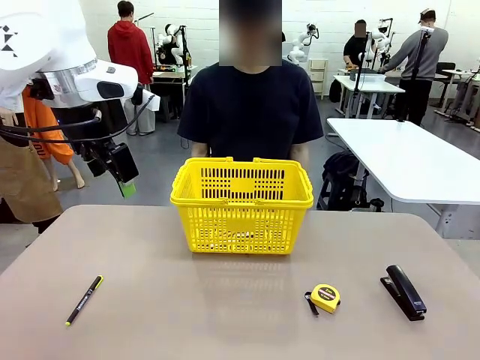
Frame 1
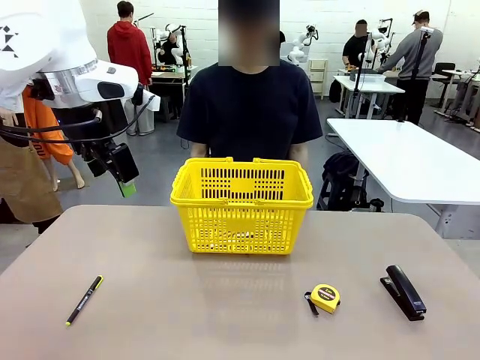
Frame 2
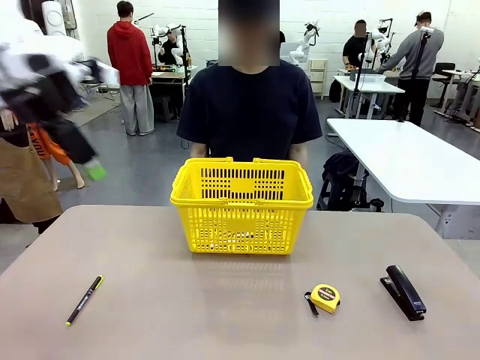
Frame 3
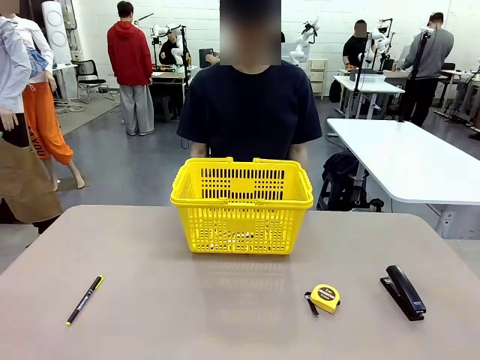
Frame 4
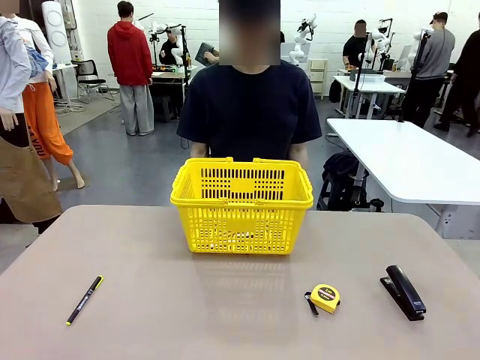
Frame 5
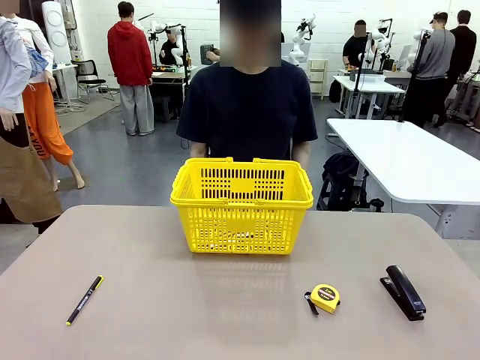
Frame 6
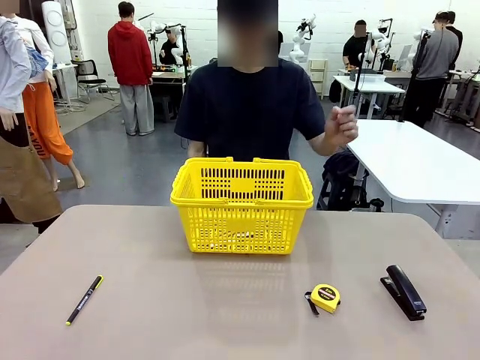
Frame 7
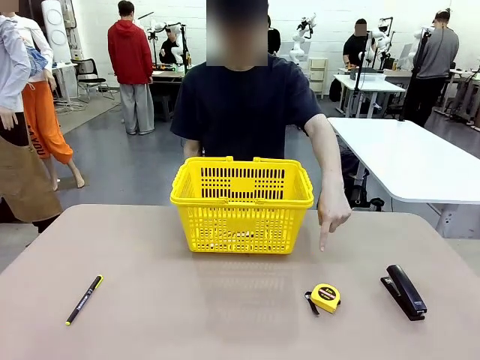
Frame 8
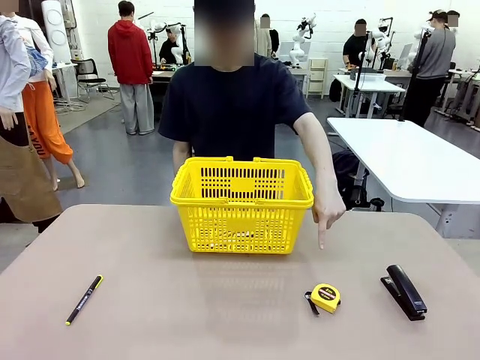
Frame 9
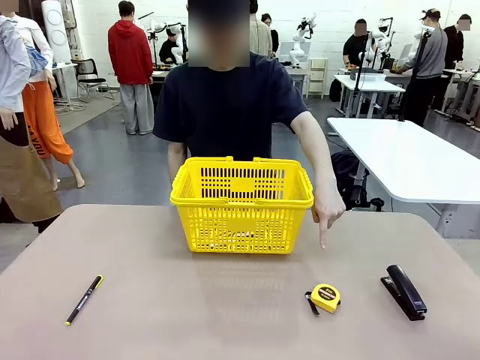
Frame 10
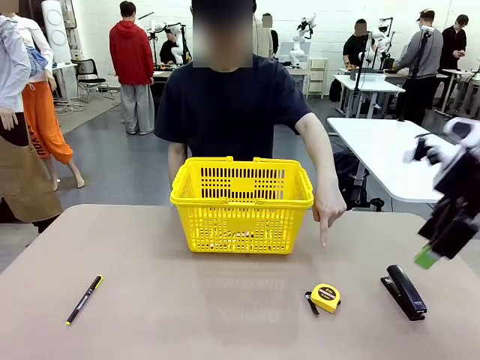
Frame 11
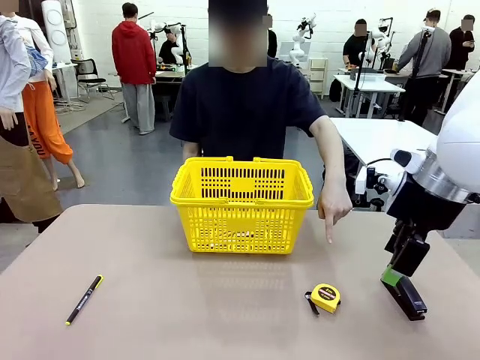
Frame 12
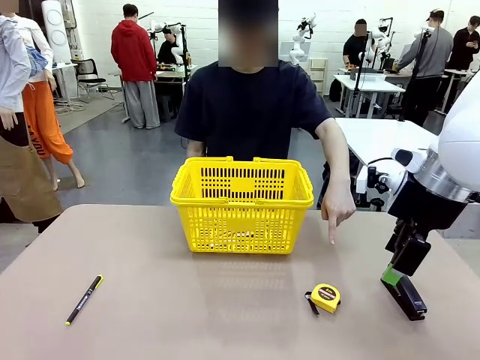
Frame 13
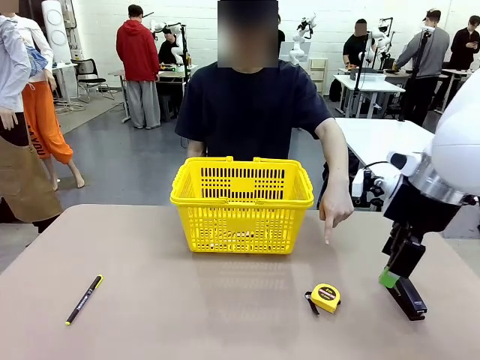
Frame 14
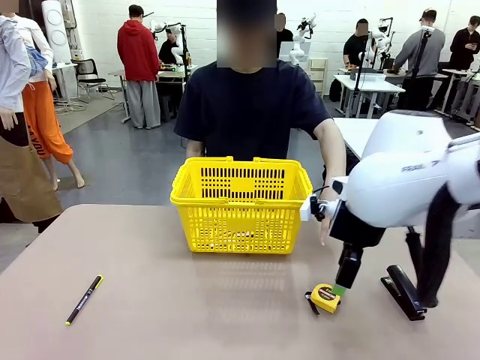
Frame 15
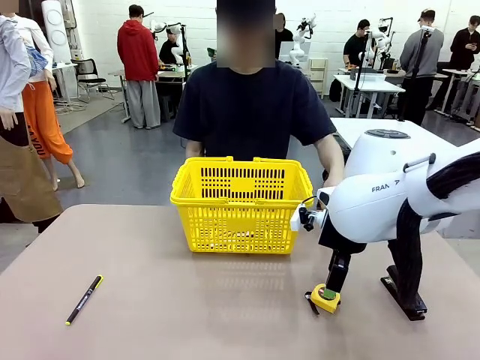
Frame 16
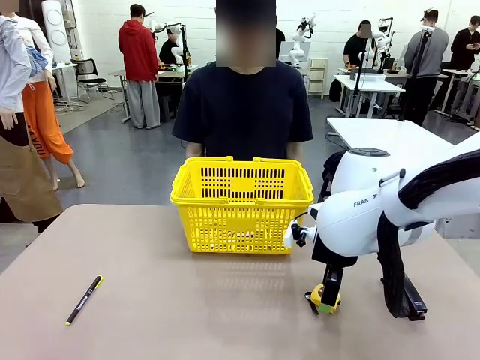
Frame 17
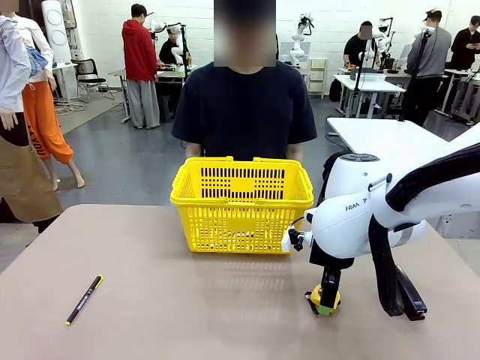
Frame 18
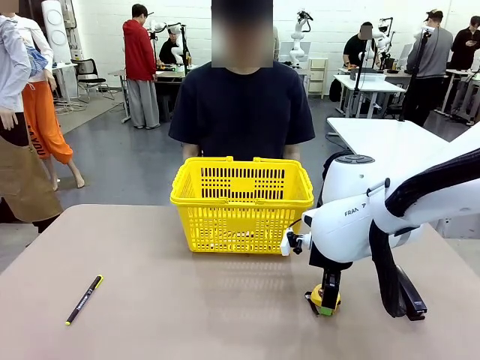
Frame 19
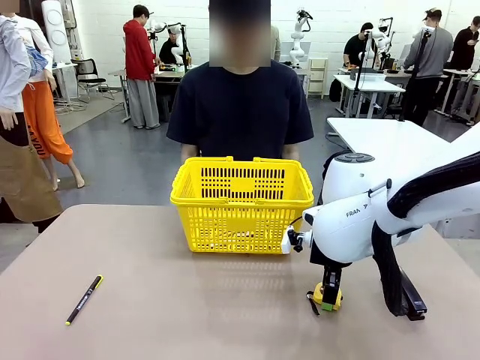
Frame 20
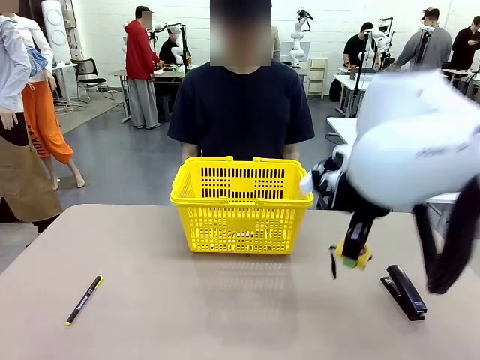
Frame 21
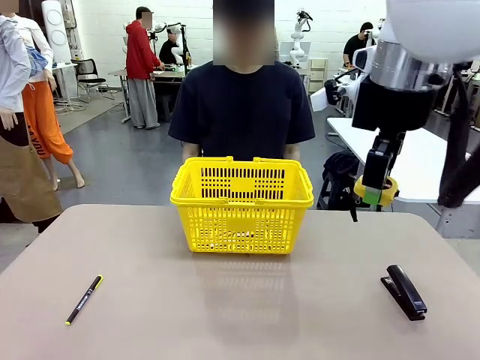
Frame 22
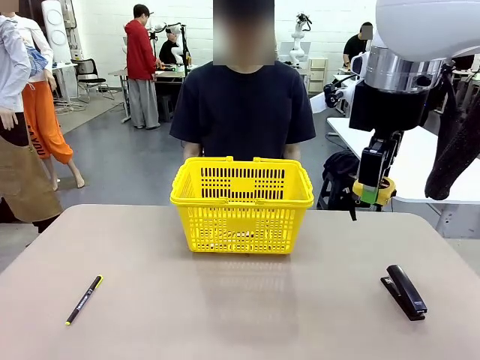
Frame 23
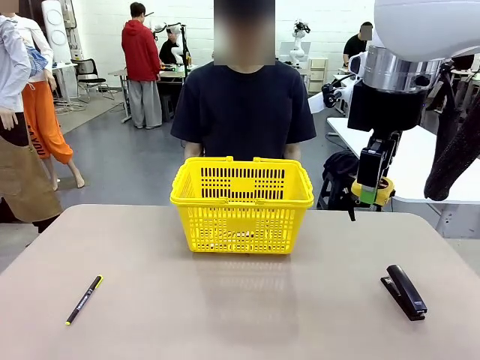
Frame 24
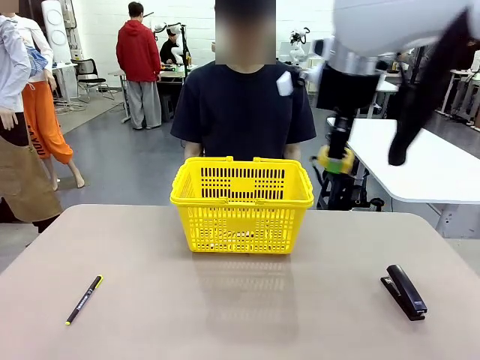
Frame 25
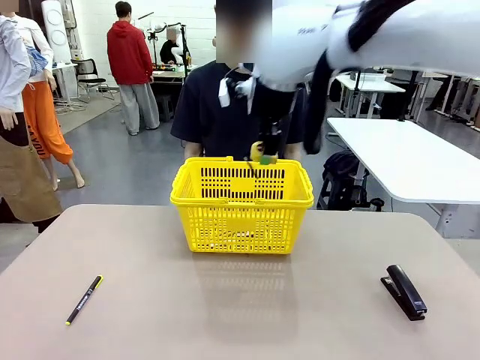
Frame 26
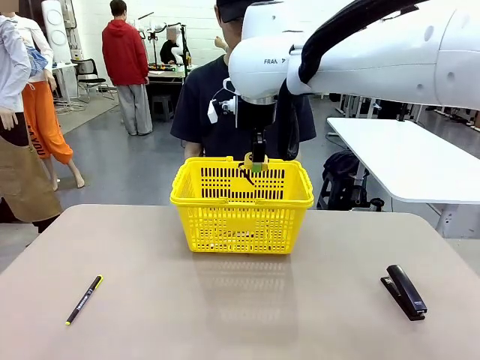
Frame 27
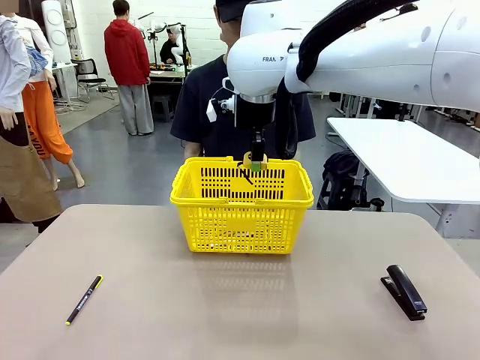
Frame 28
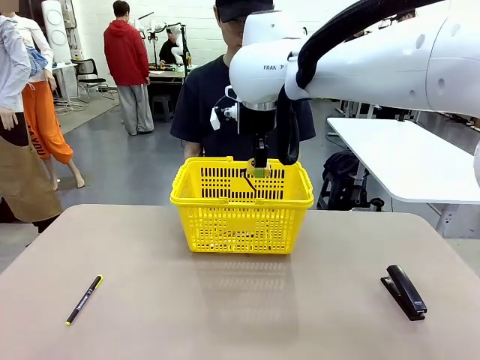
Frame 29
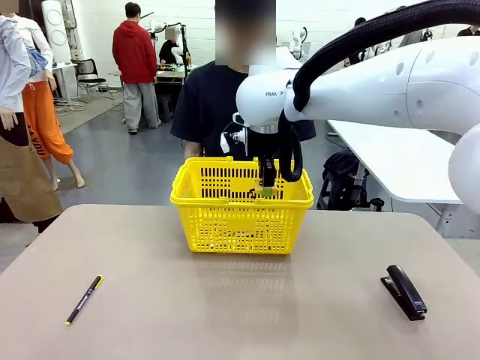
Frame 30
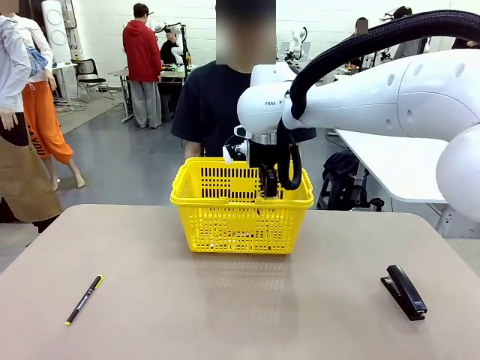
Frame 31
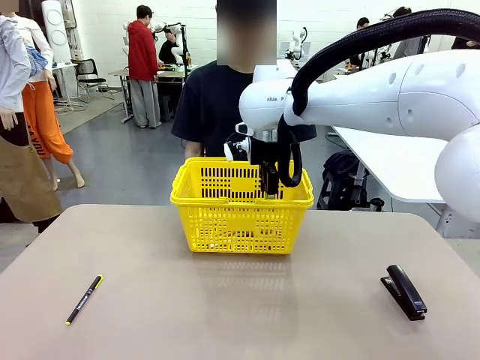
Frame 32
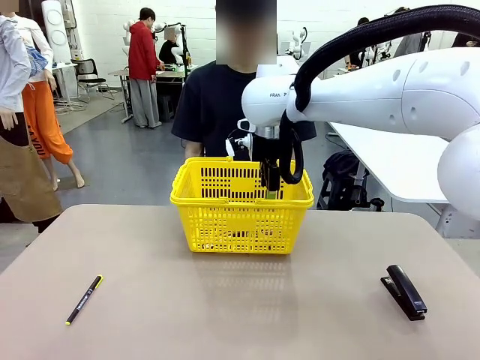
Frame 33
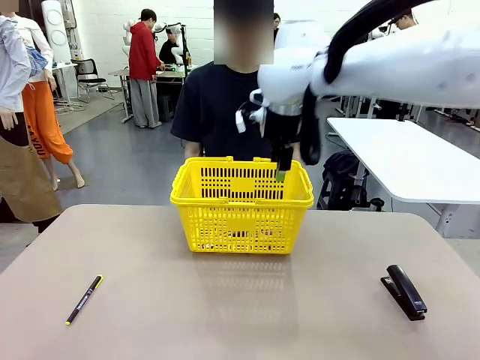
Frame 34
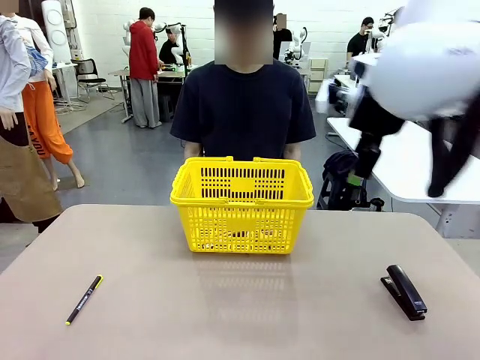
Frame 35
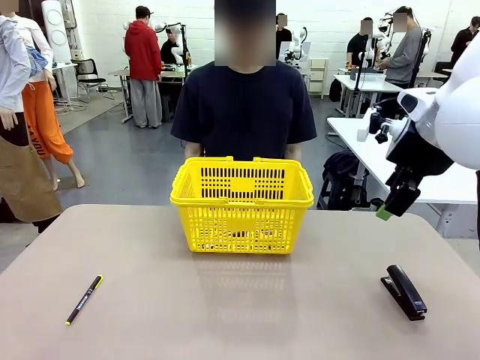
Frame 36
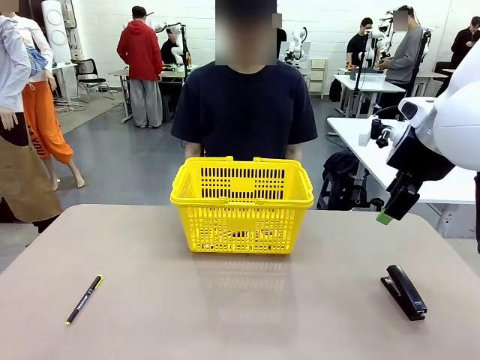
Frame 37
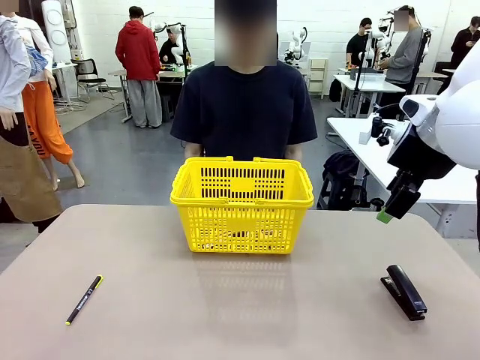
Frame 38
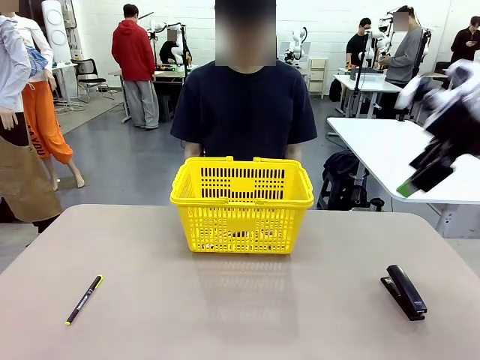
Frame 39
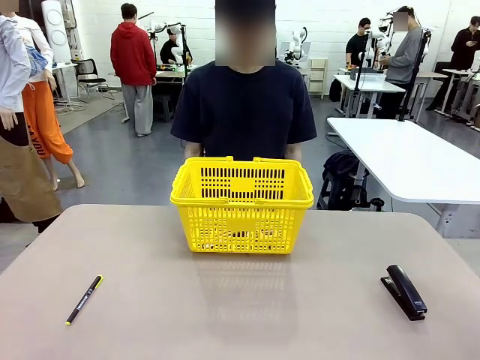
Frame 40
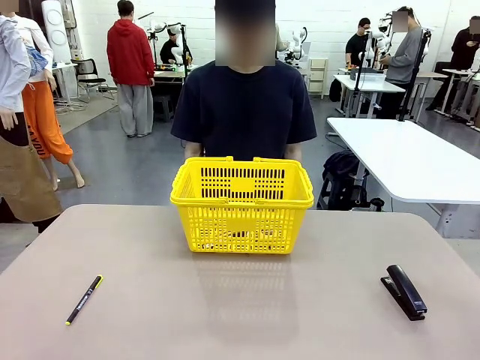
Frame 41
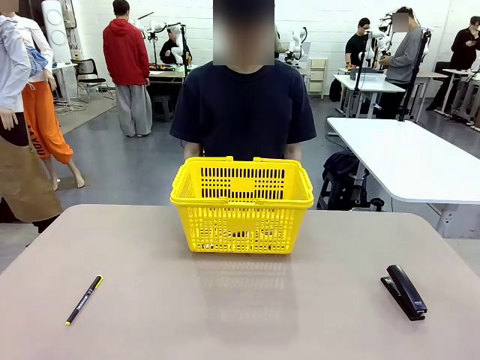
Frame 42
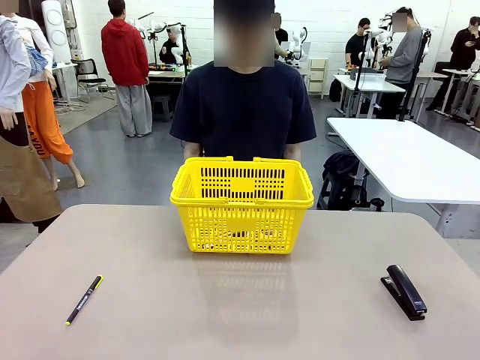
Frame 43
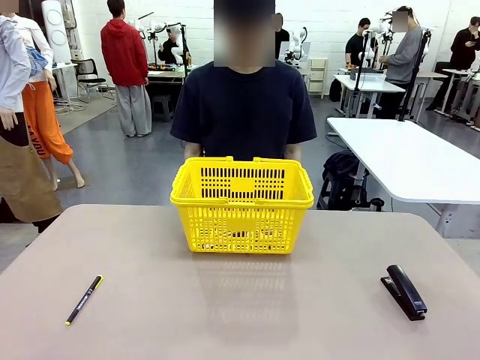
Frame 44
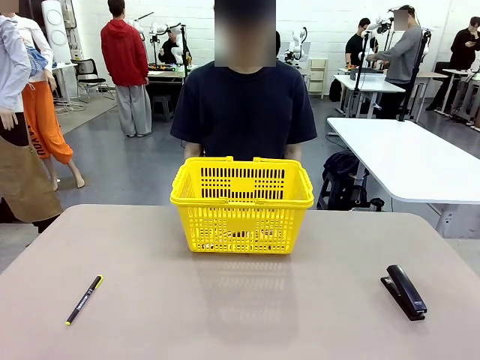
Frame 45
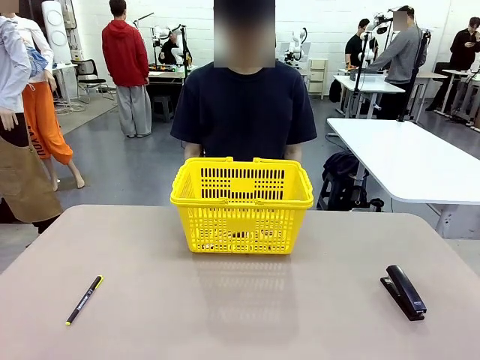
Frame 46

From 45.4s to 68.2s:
Task: Place the items the person wants into the basket.
Robot: Pick up the item the person points to and place it in the Market Basket.
